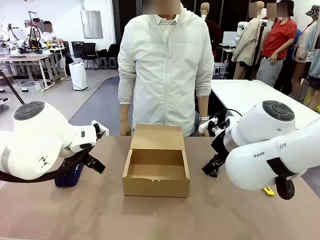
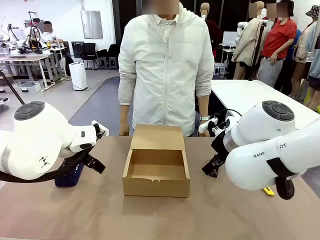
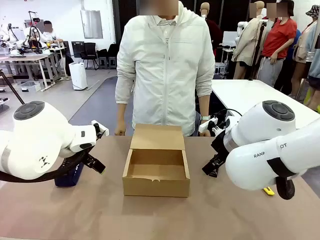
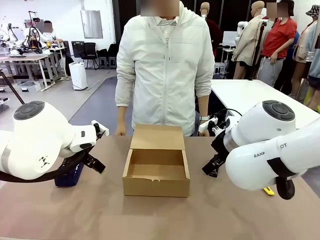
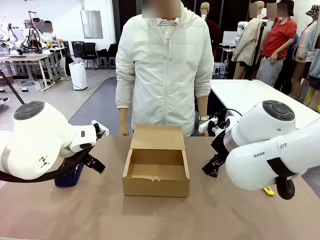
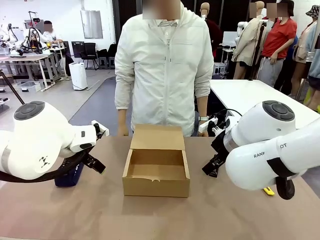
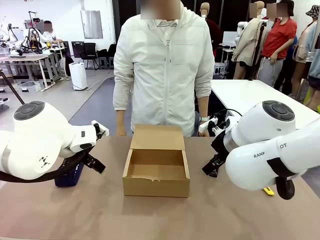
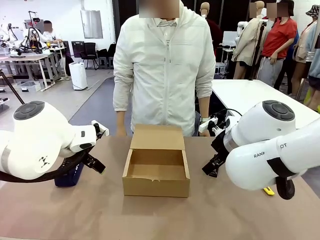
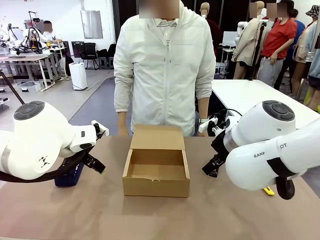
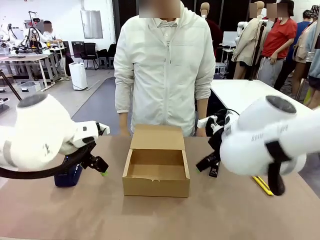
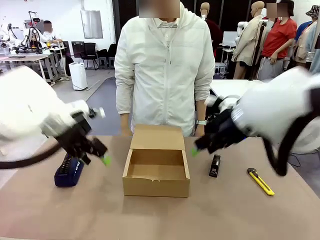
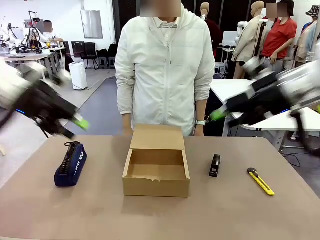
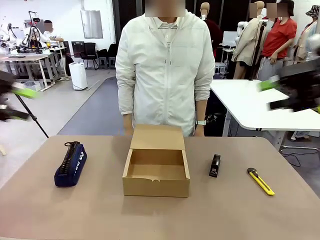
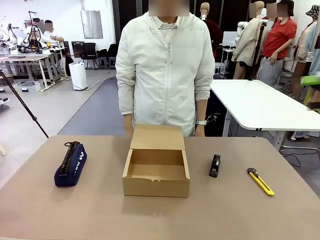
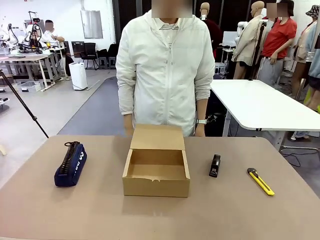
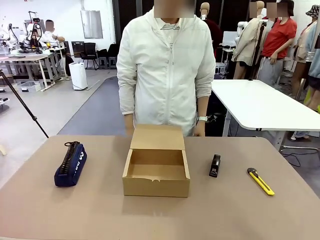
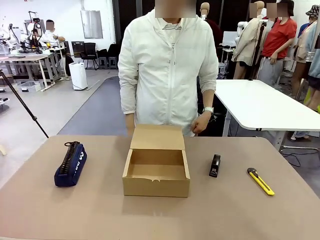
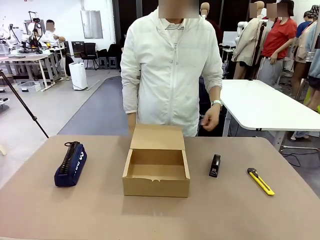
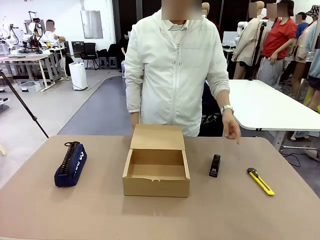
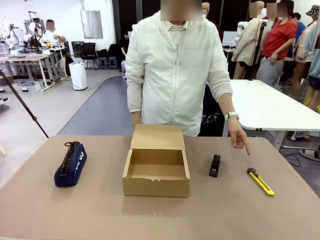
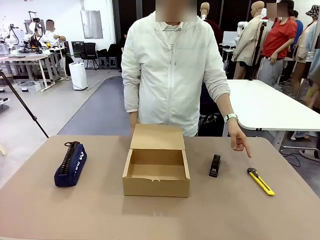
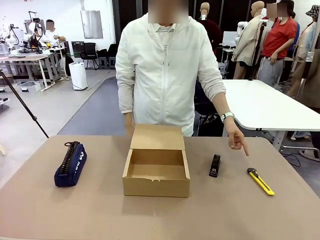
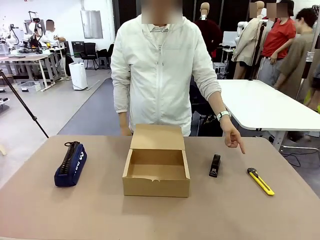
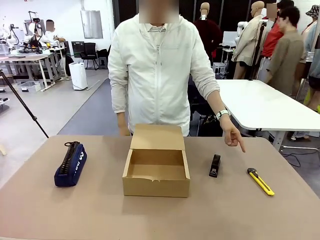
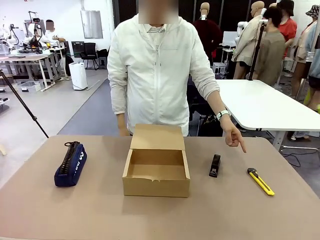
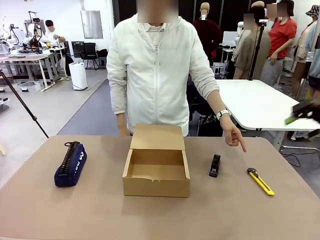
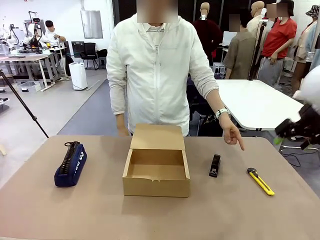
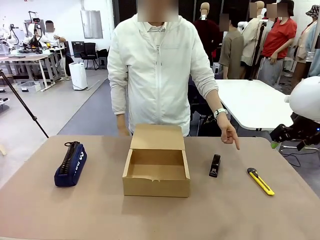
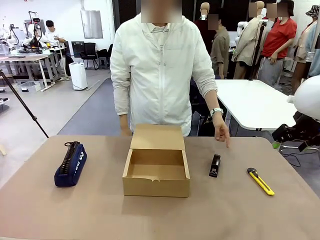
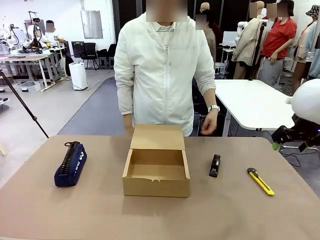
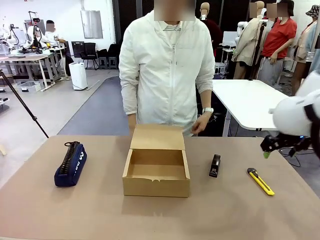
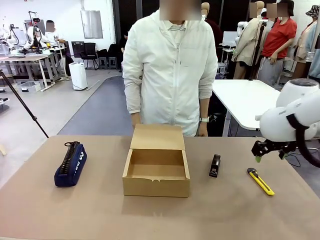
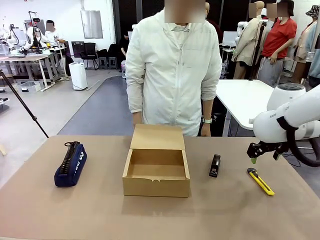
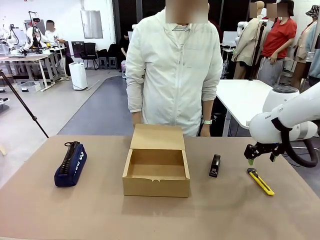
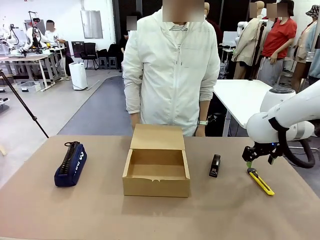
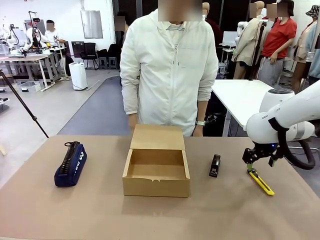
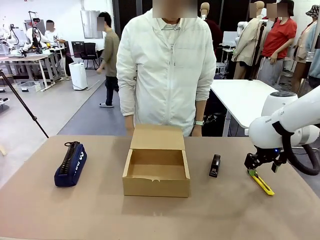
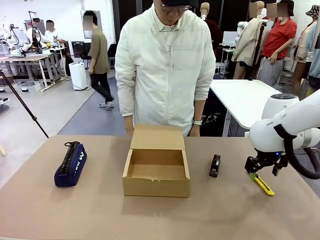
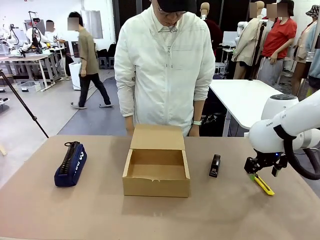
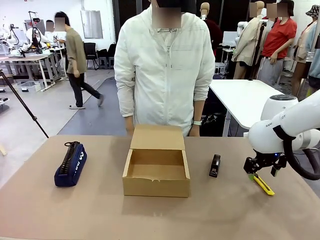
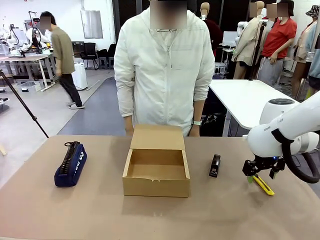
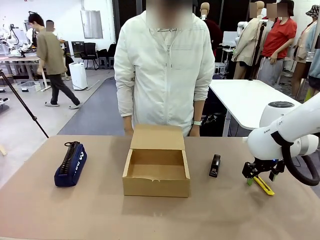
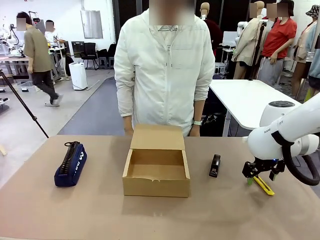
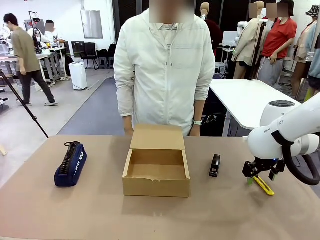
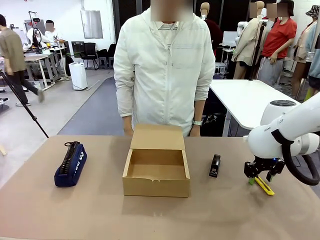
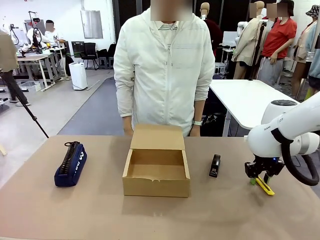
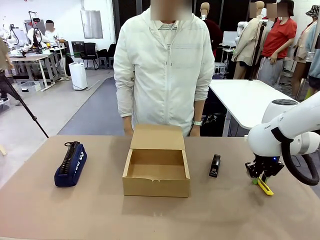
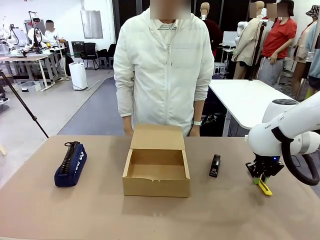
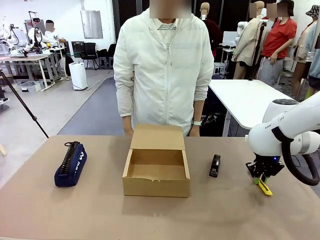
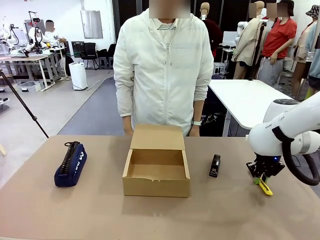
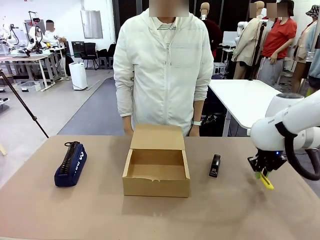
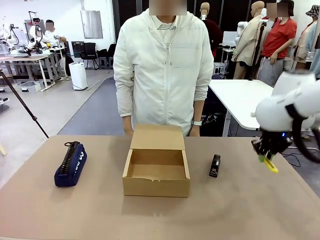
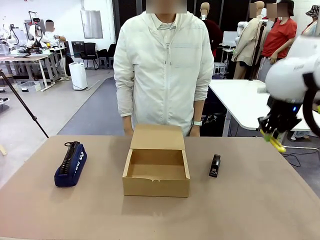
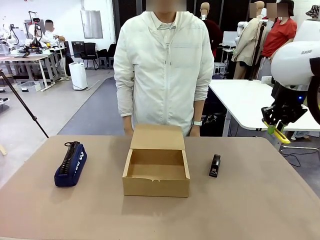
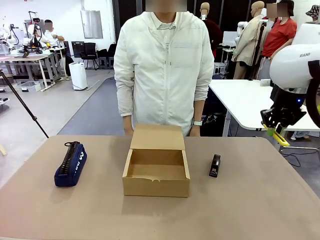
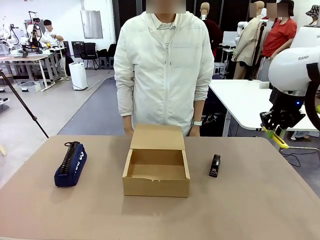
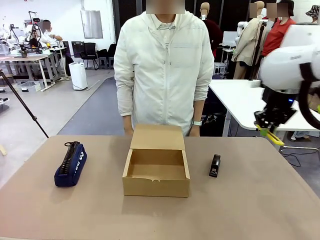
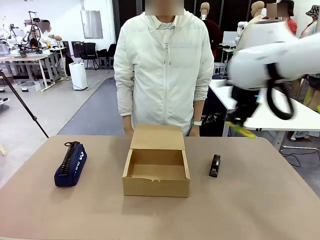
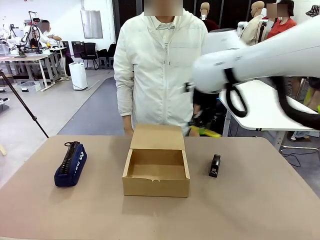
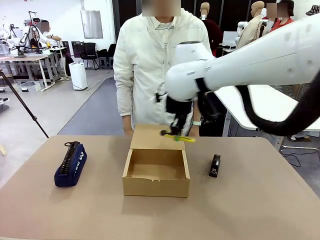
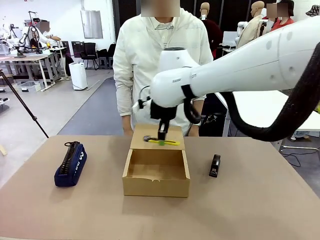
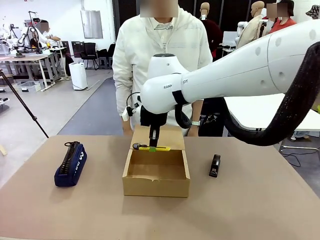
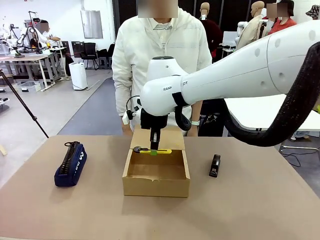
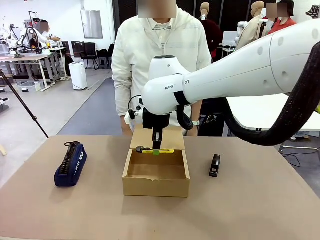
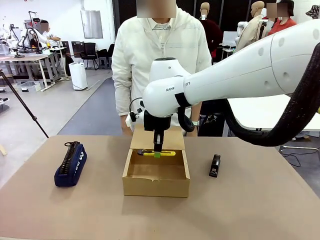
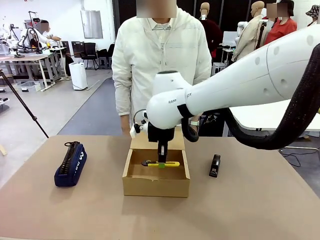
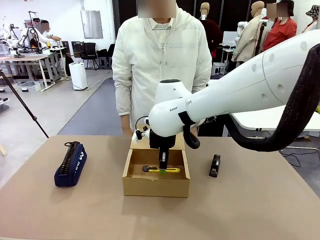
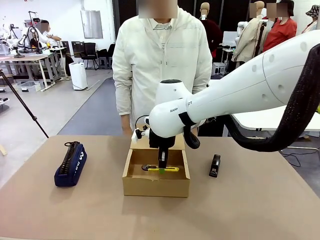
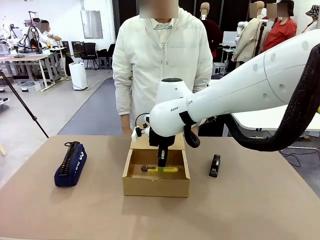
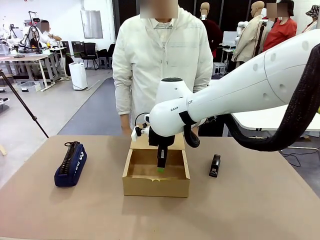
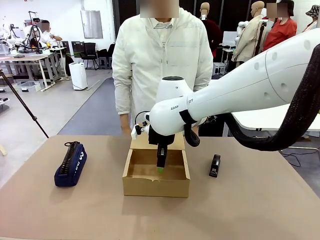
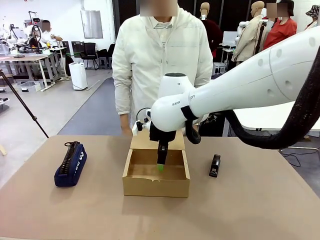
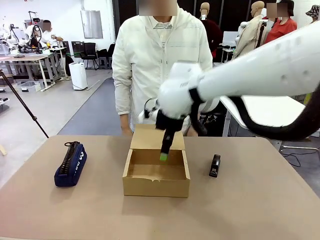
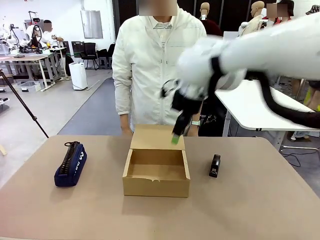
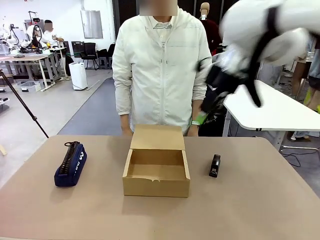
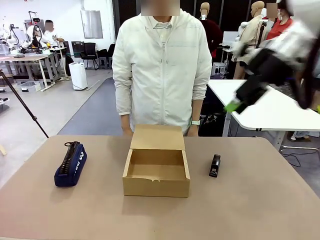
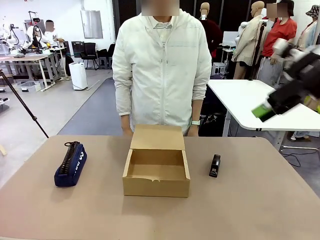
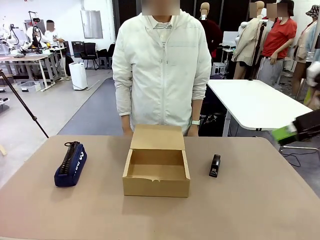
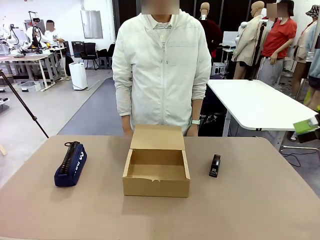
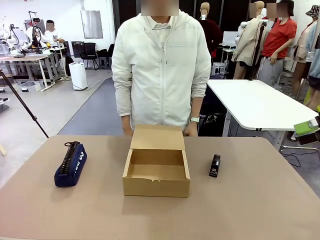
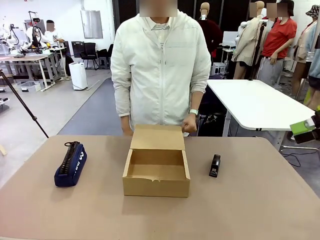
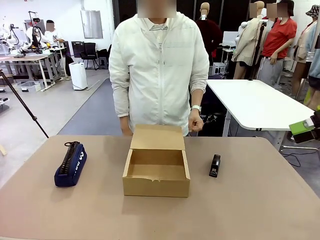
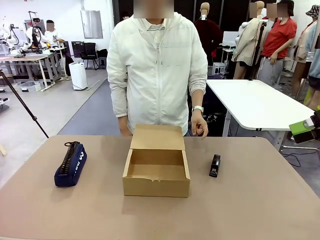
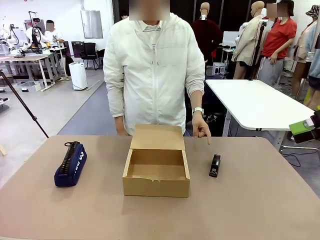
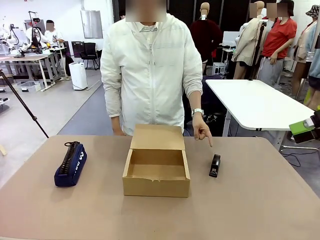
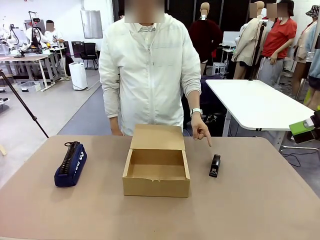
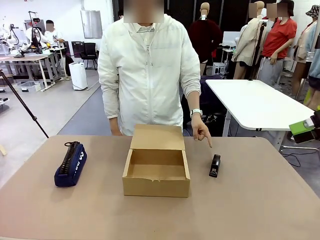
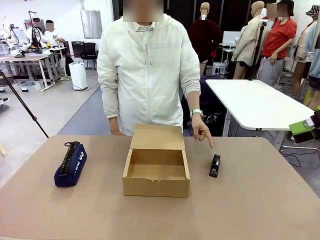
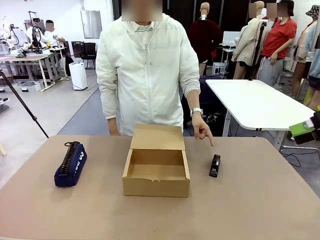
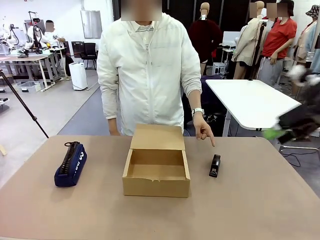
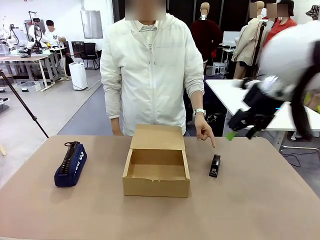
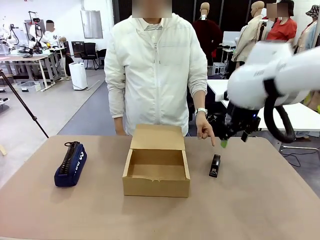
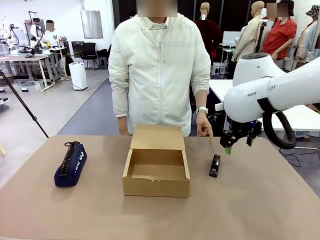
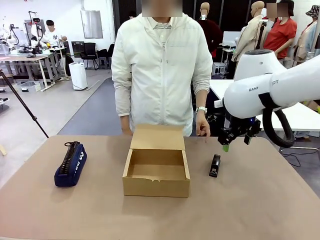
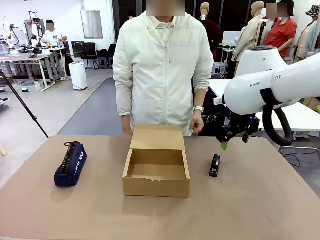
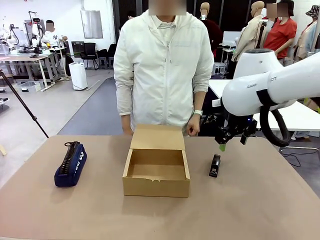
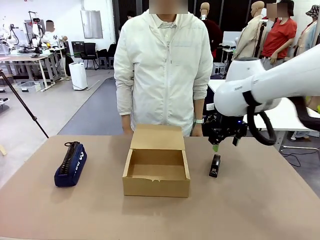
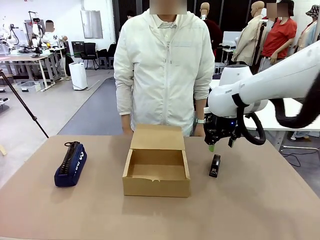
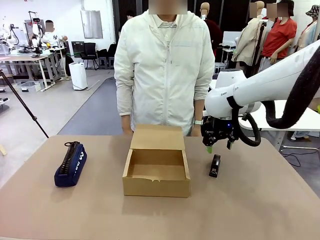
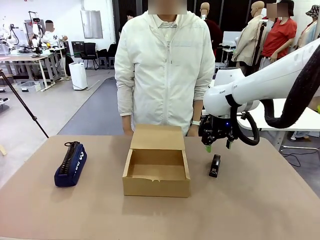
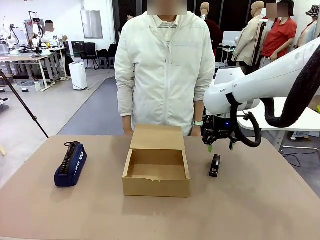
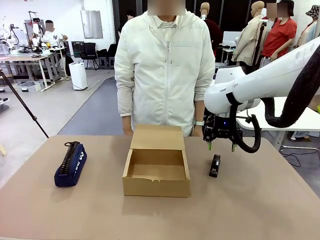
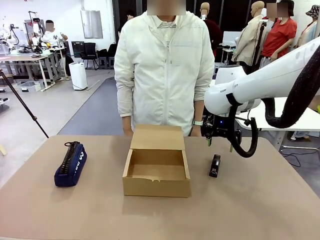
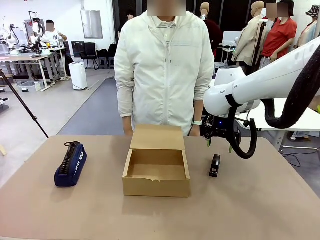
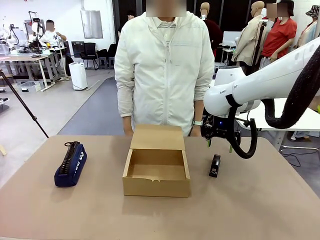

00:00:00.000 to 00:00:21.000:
Task: Pack the items into the box.
Robot: Pick up the item indicated by the person and place it inside the Mailer Box.
Person: Point at one item on the table (excluding the box).
